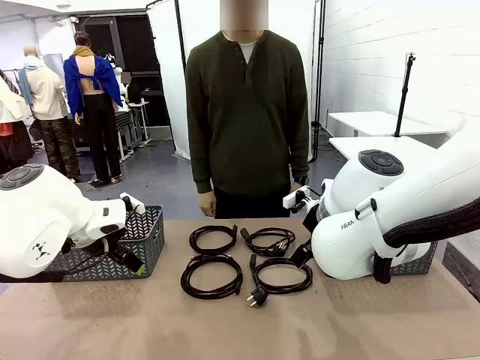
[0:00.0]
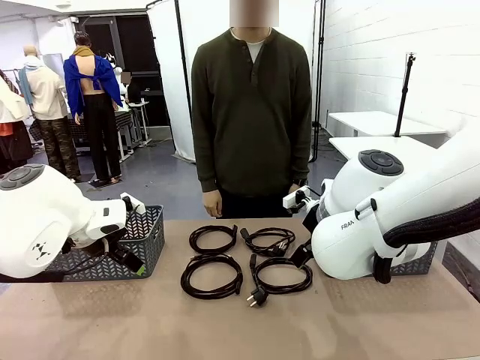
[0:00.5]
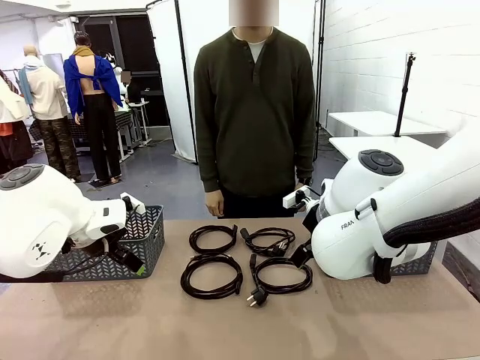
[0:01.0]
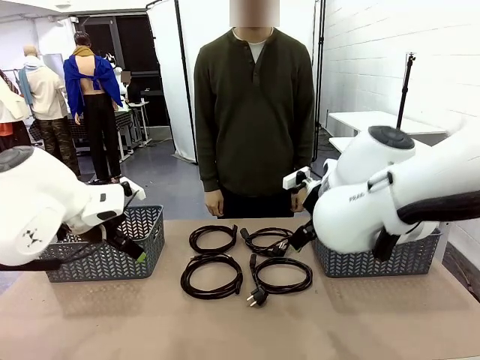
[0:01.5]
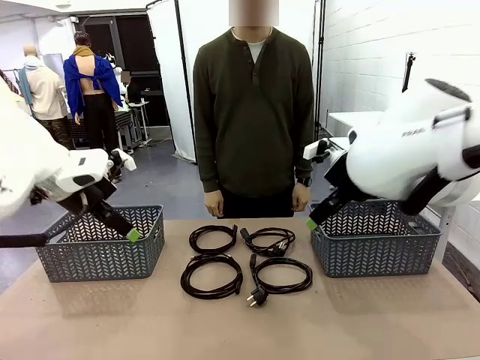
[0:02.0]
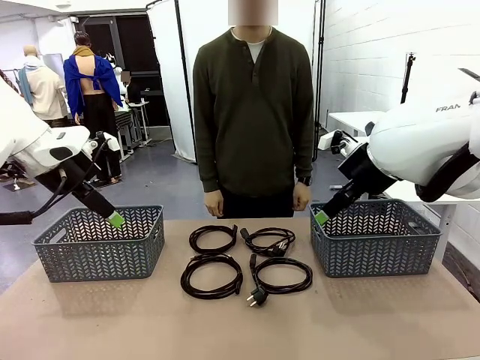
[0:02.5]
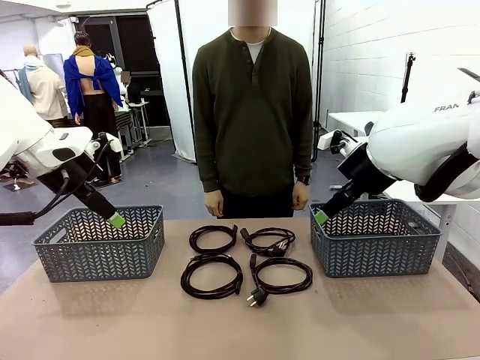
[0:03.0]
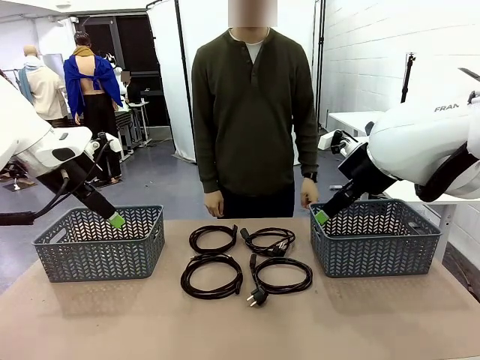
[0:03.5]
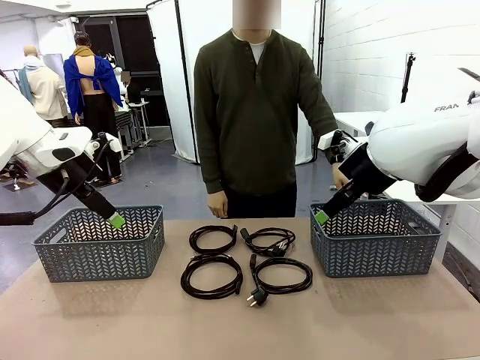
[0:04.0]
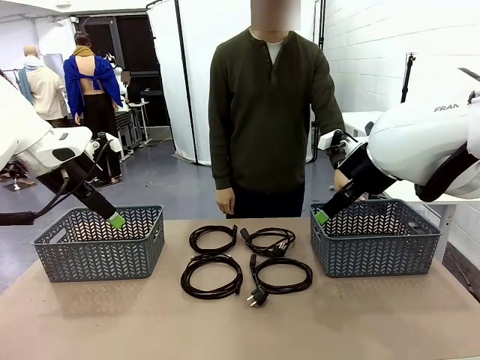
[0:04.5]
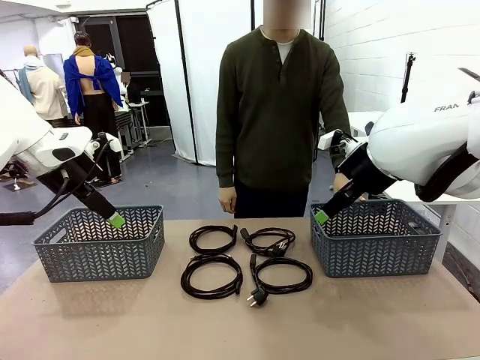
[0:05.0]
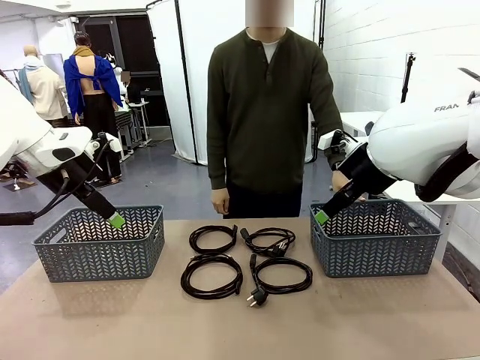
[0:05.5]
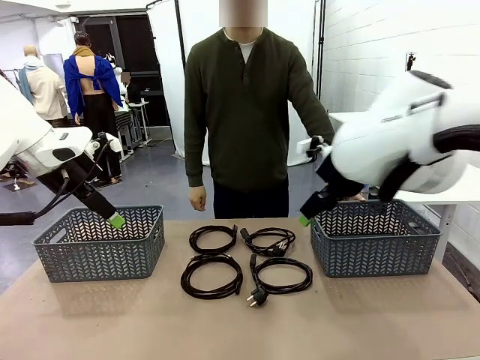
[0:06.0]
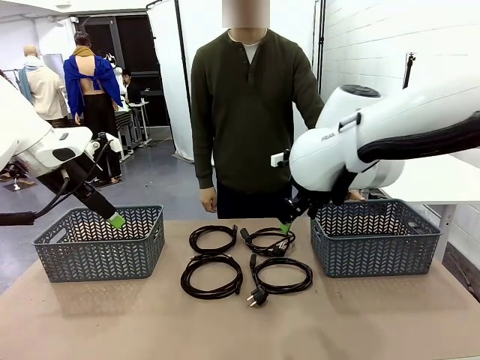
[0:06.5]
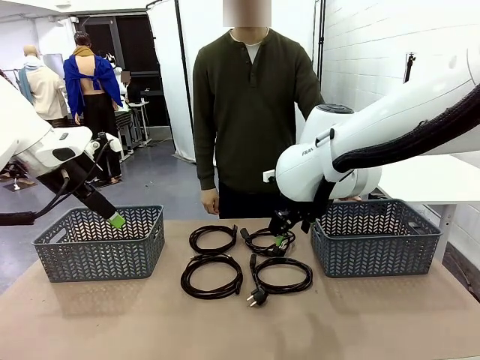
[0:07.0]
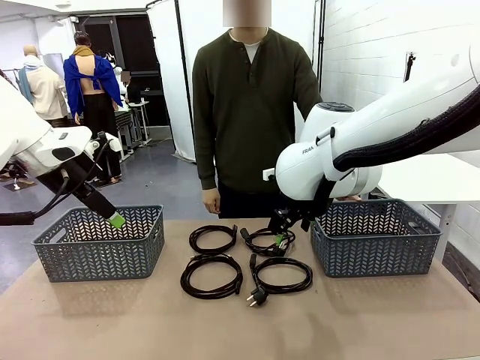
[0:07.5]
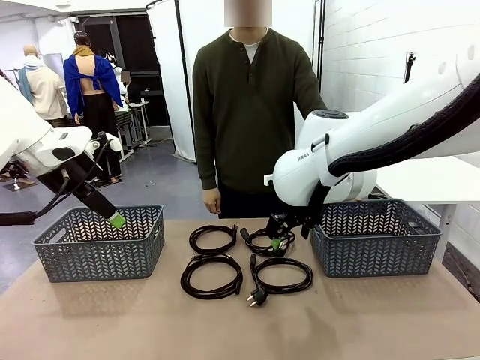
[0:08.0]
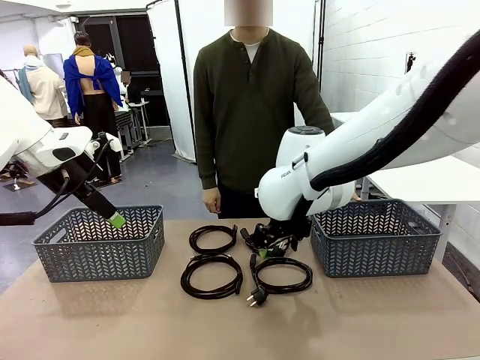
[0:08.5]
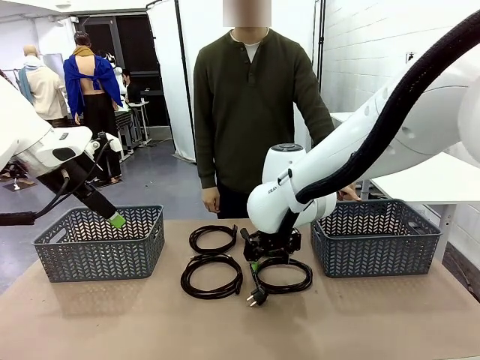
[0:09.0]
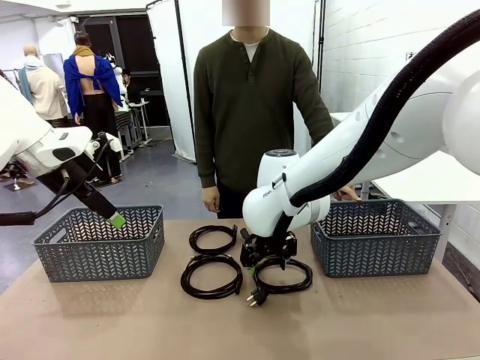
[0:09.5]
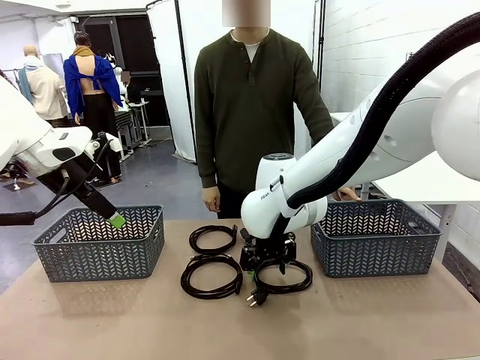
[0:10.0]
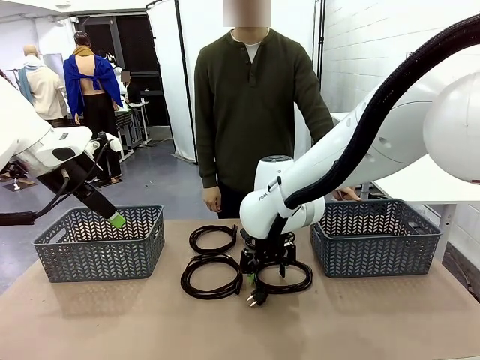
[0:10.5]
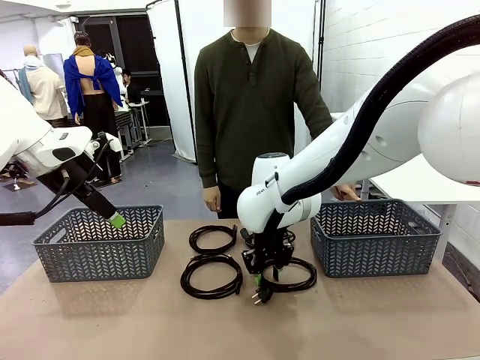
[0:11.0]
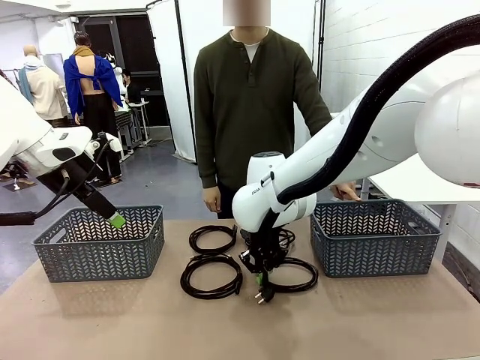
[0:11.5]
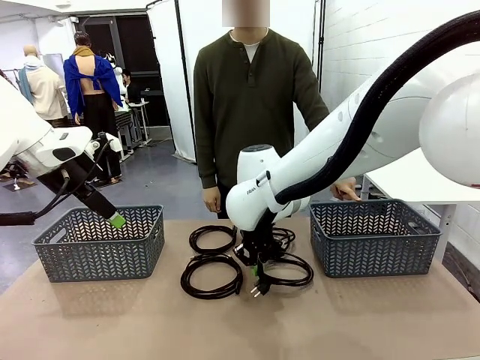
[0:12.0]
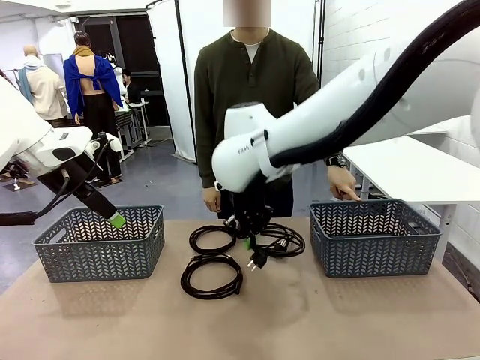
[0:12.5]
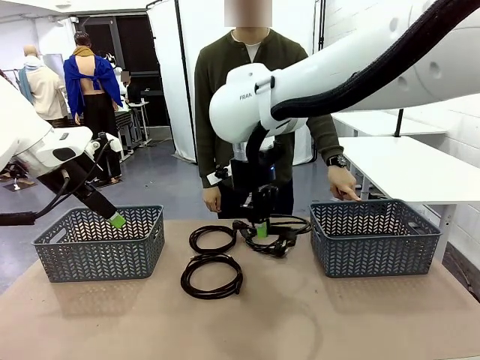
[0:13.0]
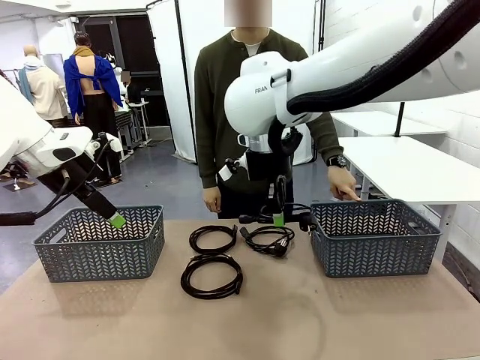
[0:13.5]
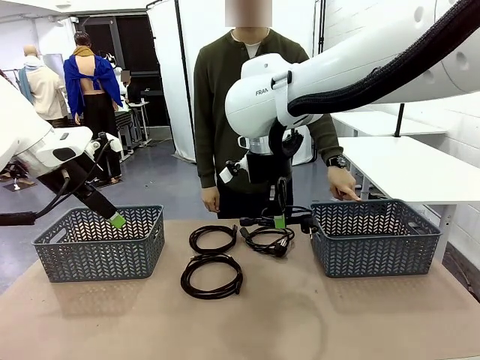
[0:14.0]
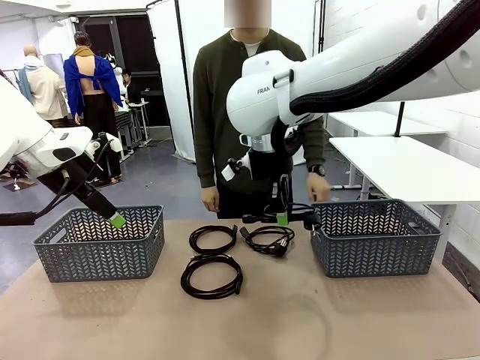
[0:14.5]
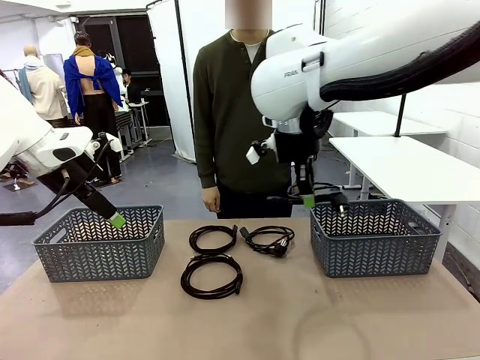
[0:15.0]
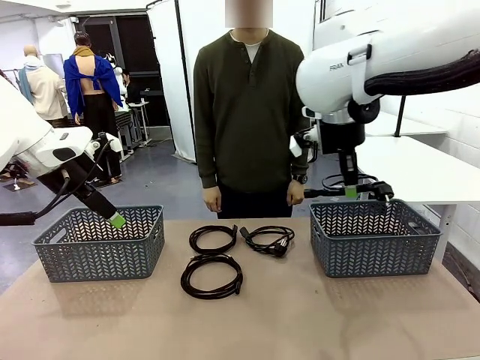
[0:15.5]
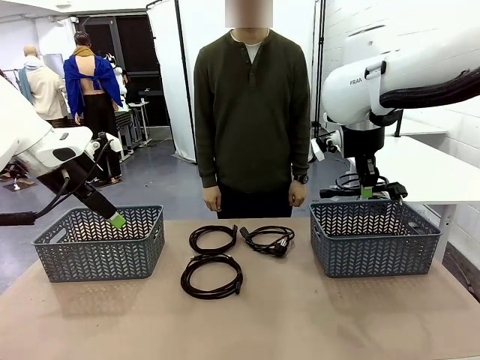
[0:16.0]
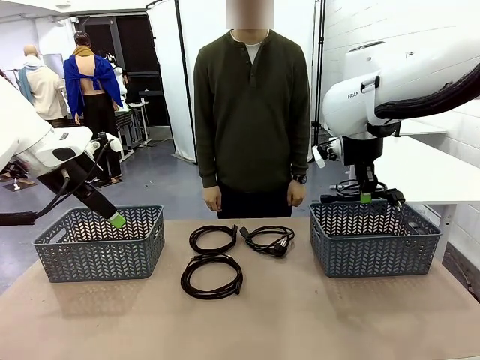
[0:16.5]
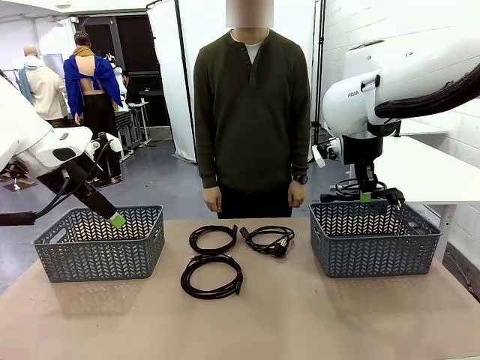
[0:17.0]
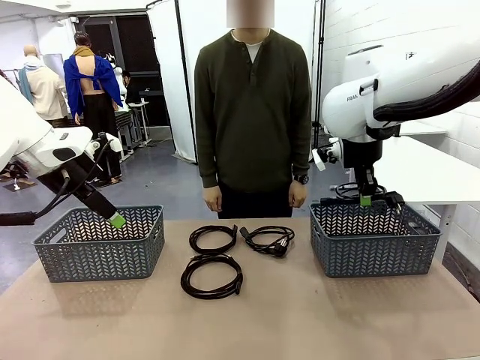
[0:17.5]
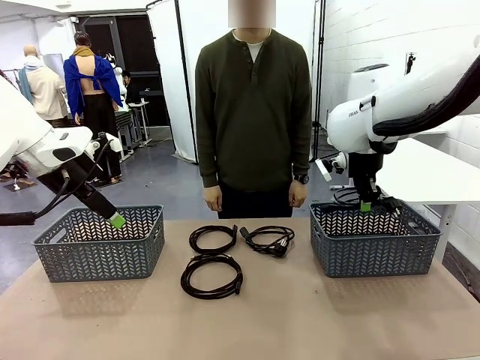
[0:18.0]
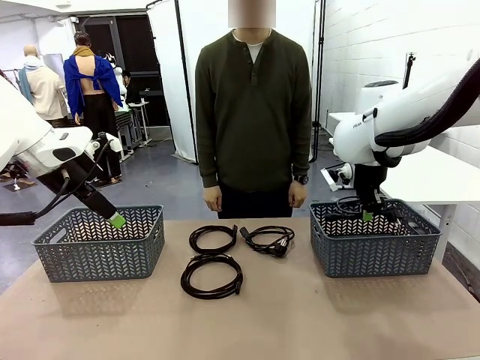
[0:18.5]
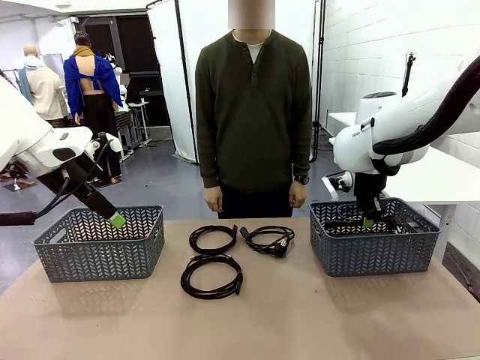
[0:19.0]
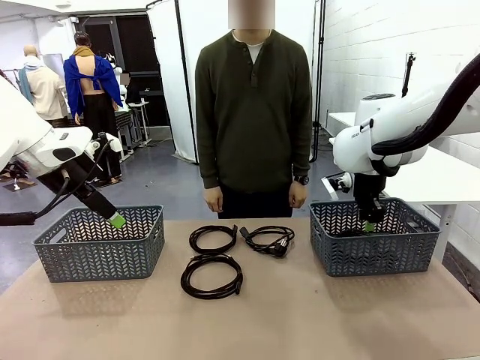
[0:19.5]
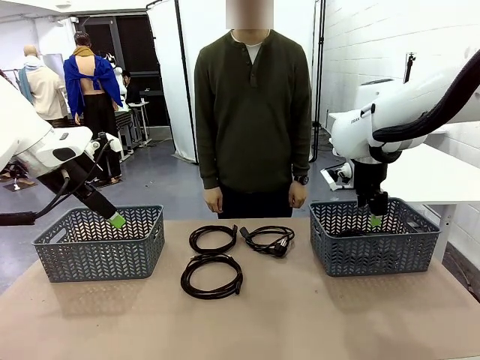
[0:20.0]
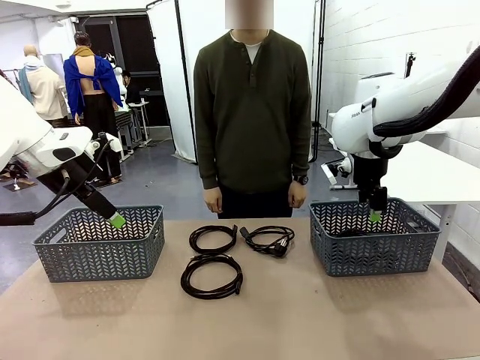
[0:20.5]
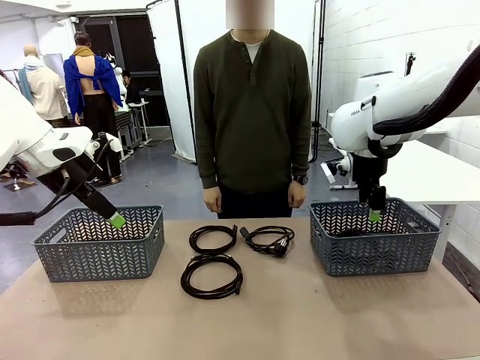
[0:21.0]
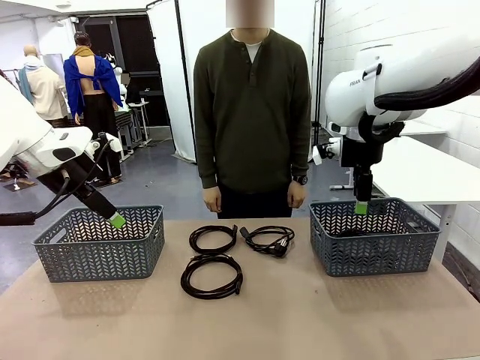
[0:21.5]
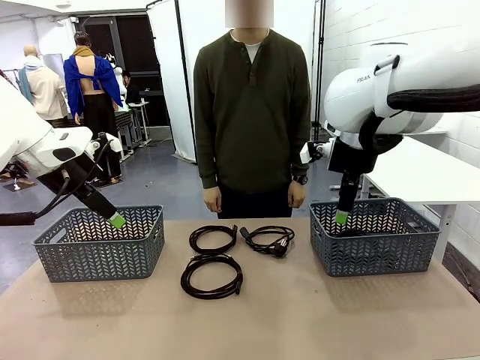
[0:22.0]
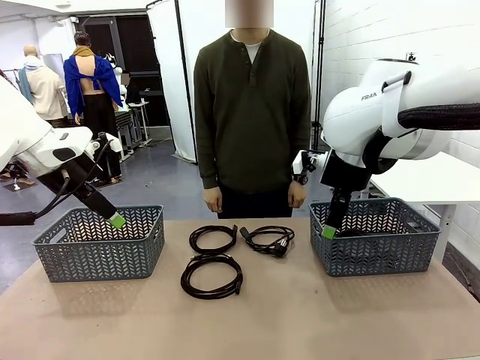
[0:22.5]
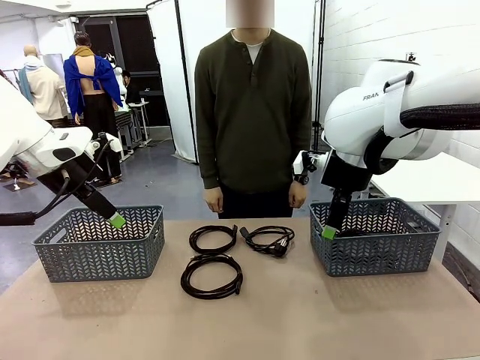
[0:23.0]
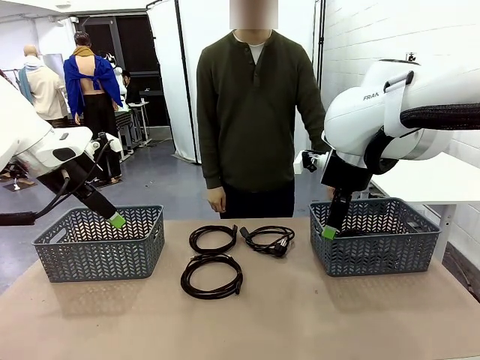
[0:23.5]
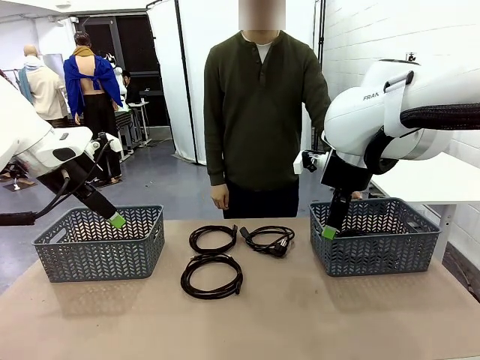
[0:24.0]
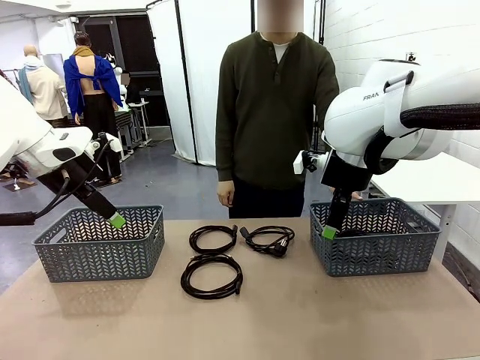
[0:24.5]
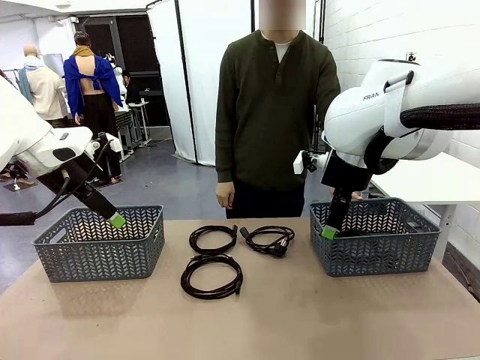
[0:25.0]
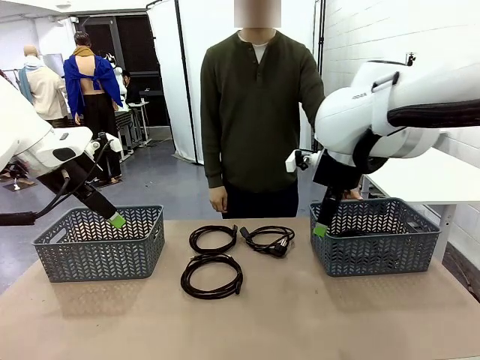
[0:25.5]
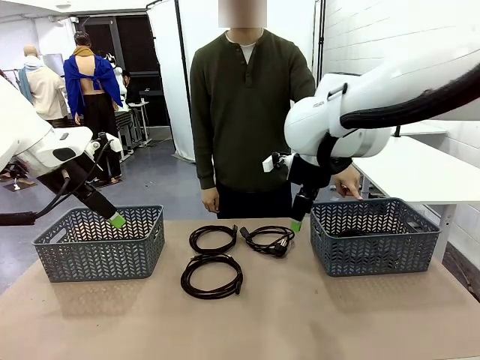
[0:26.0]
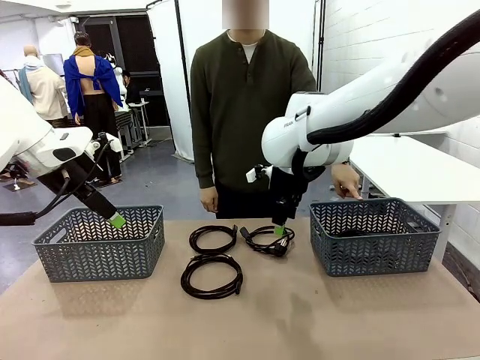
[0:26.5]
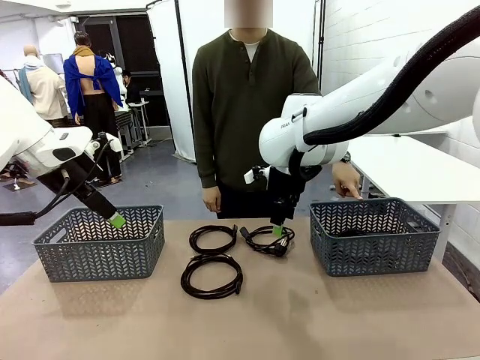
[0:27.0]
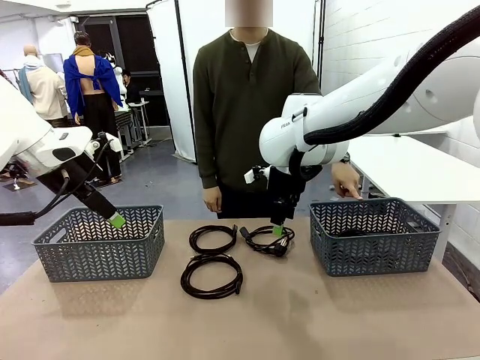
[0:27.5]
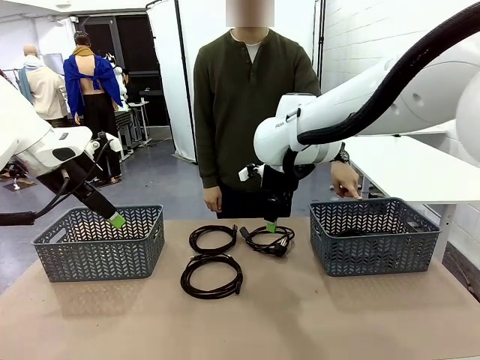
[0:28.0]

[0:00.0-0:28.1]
Task: Organize the cables according to human instructions.
Robot: Pick up a bundle of cables and place it in the basket indicated by the human.
